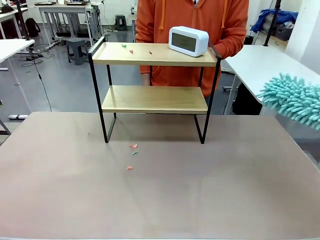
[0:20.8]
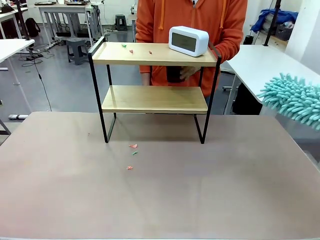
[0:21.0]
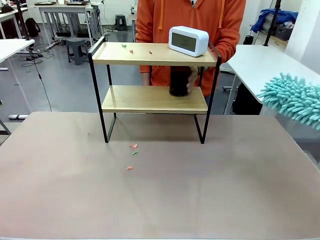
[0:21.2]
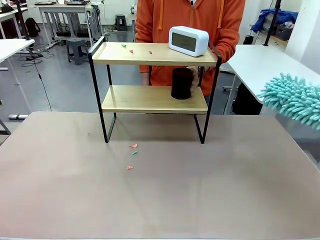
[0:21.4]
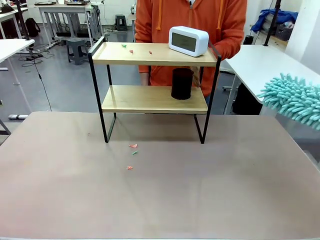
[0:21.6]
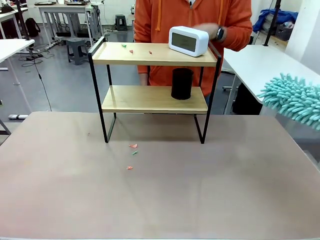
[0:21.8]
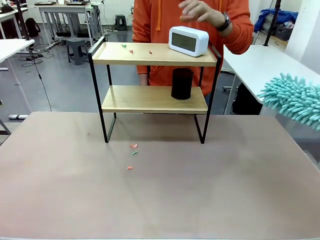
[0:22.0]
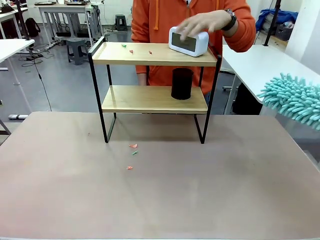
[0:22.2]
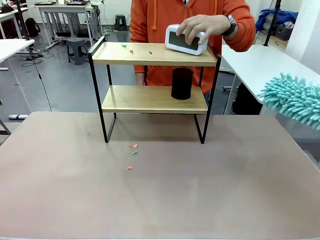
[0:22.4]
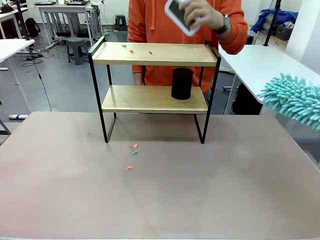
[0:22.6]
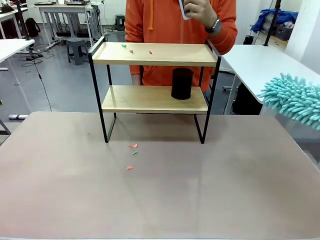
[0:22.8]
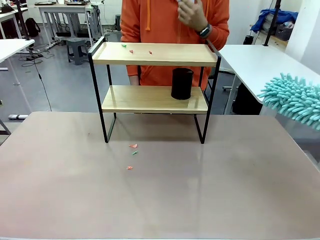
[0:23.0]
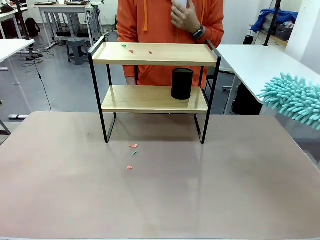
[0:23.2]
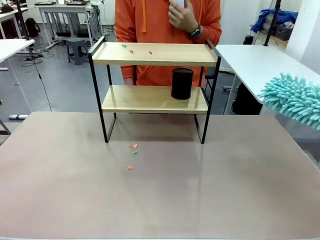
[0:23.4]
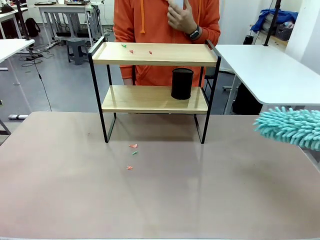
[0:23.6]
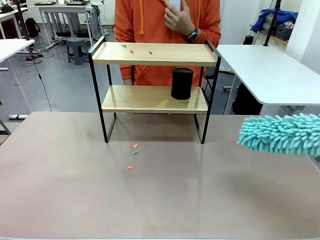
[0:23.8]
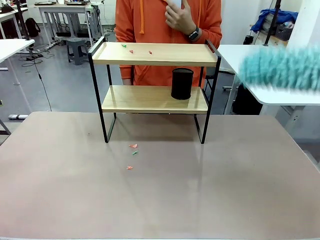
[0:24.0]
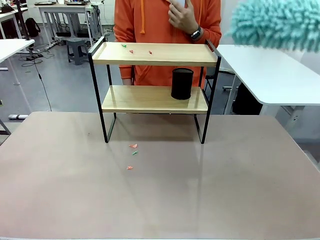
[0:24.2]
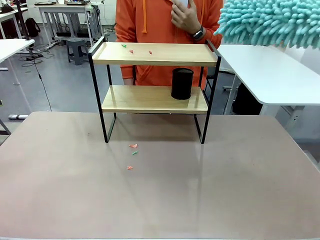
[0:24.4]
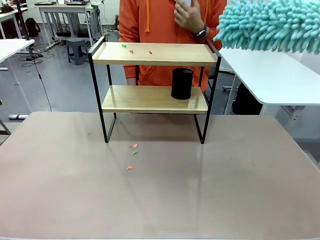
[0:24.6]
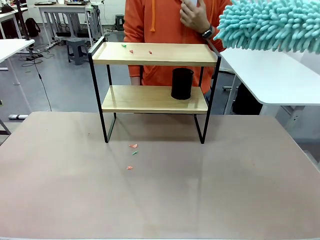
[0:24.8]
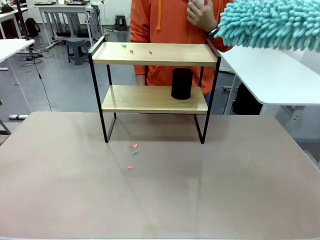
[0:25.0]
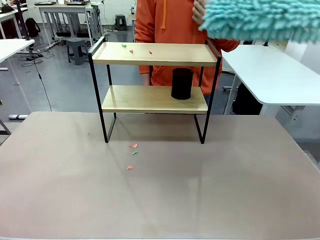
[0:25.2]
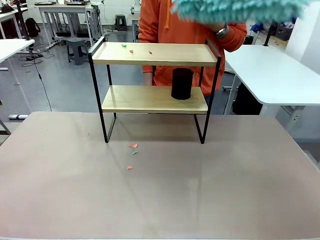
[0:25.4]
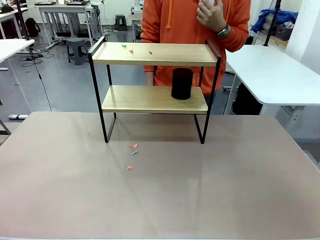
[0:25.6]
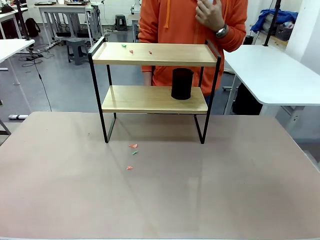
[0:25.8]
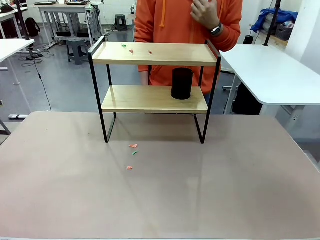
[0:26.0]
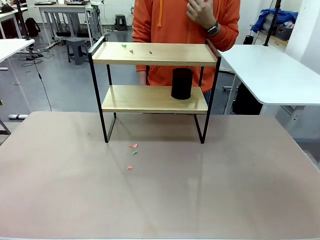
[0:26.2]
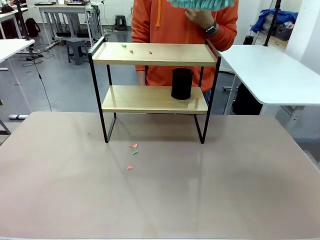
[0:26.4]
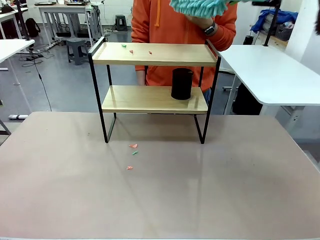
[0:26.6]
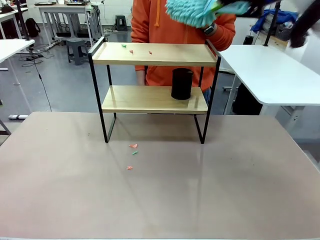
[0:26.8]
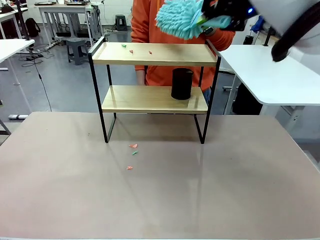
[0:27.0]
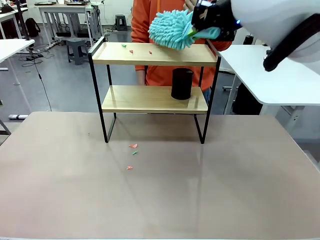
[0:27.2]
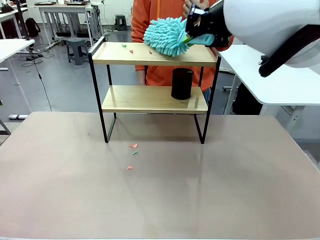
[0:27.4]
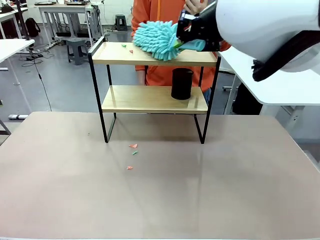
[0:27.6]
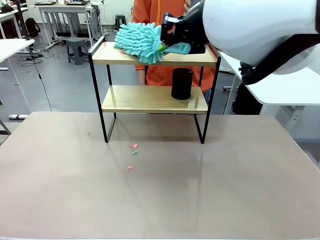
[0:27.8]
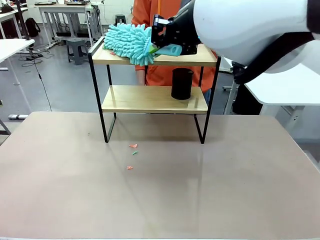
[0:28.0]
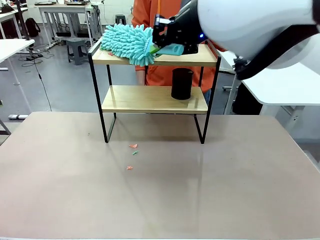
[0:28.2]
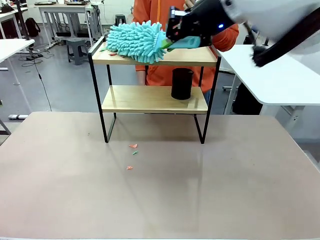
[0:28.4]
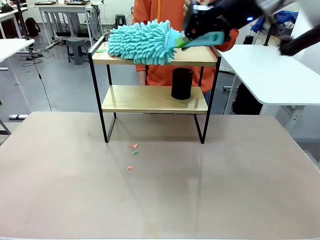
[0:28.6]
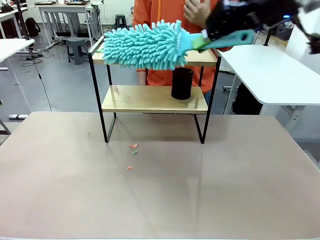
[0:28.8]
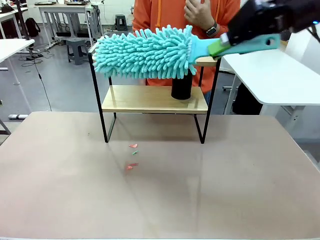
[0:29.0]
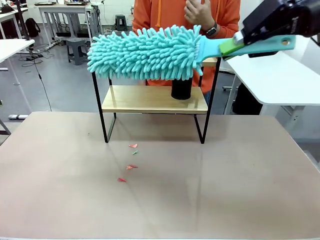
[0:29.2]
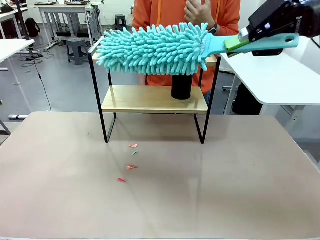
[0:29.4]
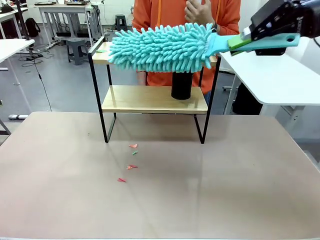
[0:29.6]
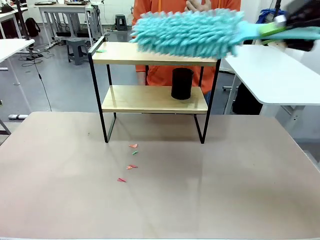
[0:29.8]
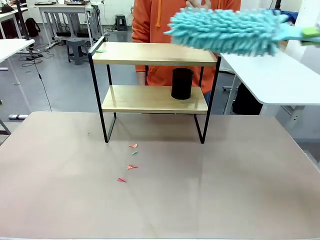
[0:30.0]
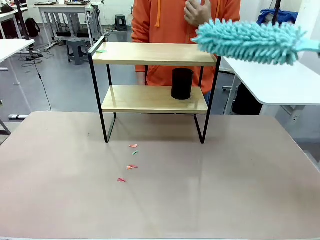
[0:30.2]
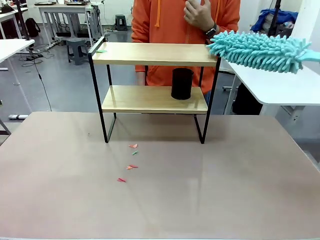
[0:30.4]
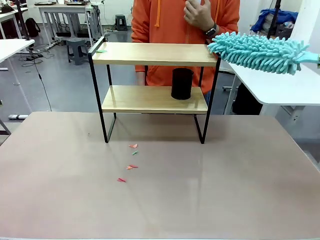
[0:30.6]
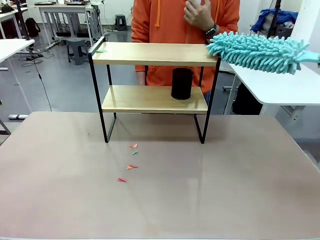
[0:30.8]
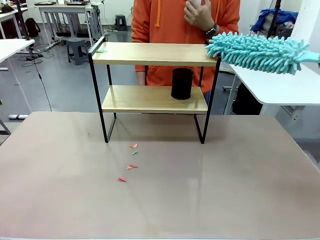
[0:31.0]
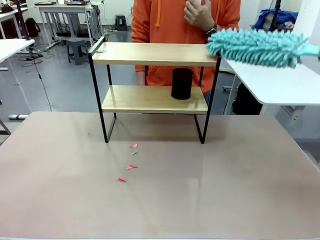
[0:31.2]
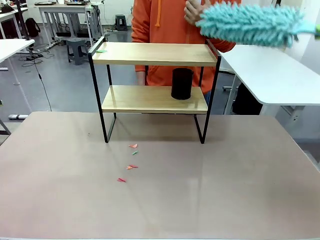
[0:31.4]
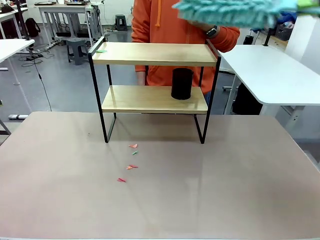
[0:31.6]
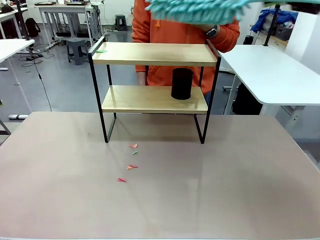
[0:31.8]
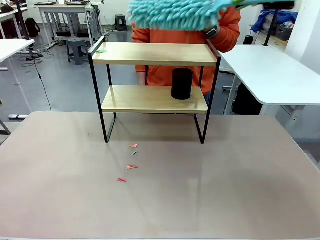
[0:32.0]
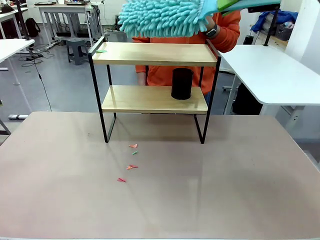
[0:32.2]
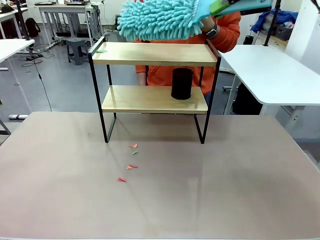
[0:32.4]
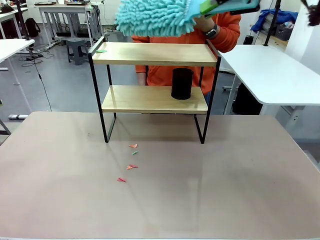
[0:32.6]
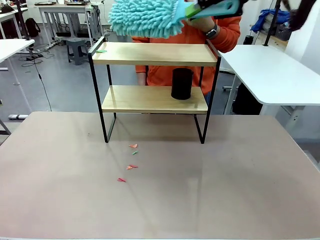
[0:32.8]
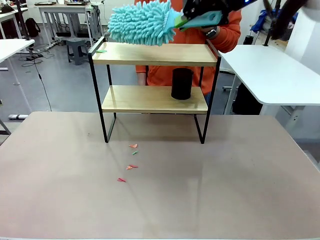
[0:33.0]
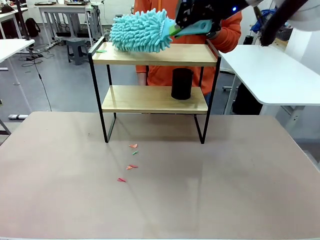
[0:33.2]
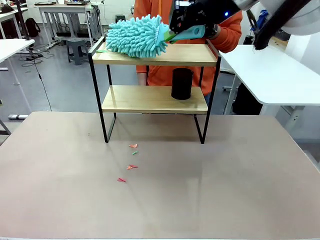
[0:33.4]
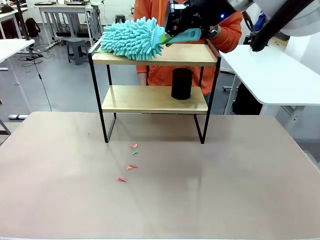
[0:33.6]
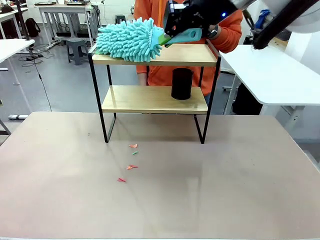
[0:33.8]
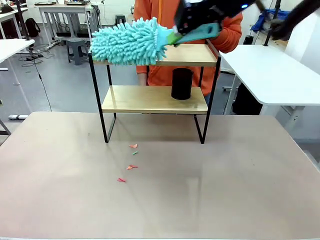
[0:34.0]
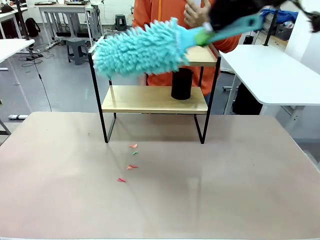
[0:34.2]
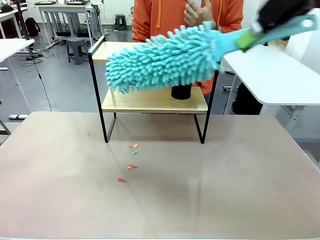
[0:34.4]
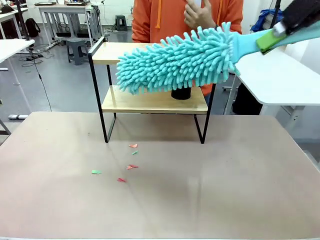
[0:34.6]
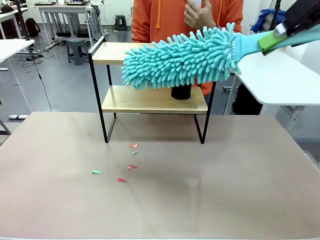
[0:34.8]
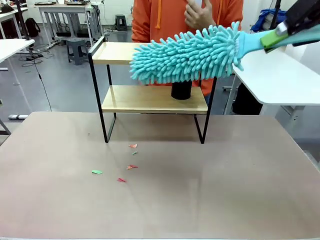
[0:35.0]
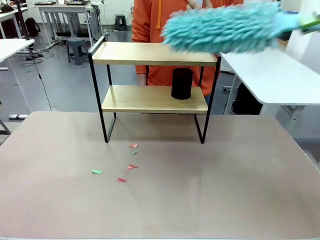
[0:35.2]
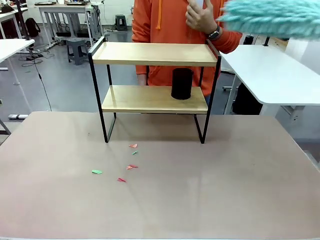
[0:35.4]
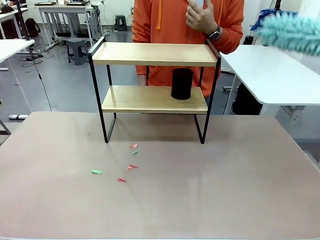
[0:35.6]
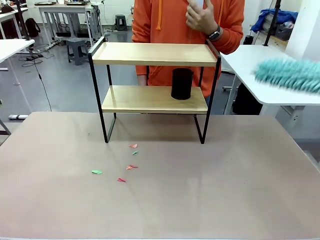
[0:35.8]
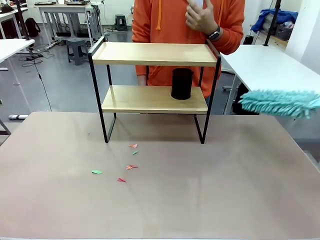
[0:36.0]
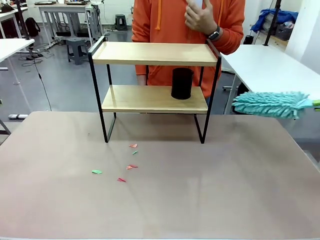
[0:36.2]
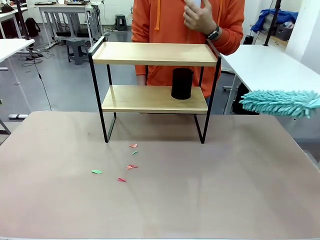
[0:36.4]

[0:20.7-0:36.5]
Task: Clean the shelf.
Robot: Clean the remaining tier of the Shelf with the Duster once objects are removed.
Person: Receive the Duster from the robot.
